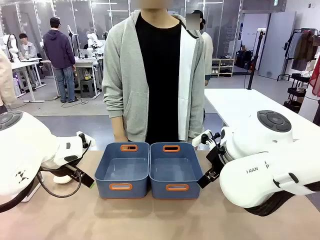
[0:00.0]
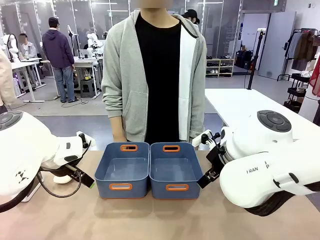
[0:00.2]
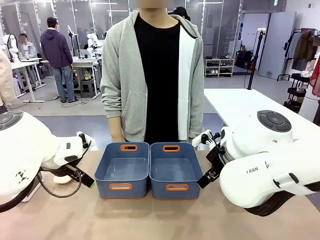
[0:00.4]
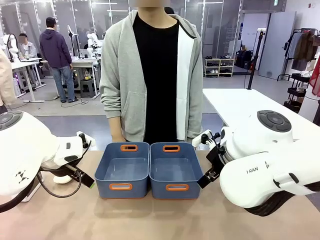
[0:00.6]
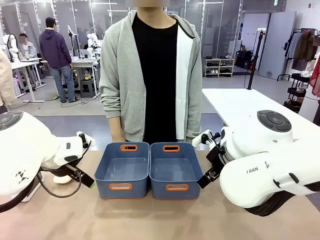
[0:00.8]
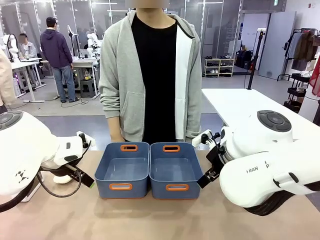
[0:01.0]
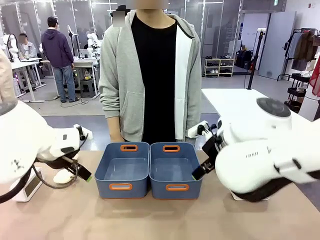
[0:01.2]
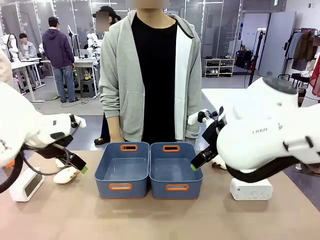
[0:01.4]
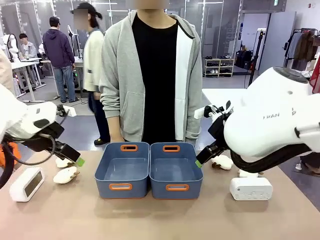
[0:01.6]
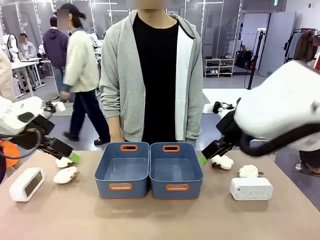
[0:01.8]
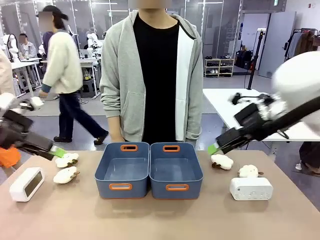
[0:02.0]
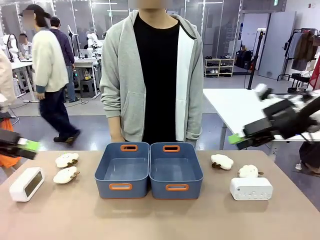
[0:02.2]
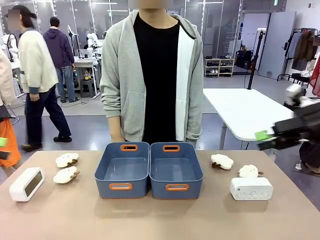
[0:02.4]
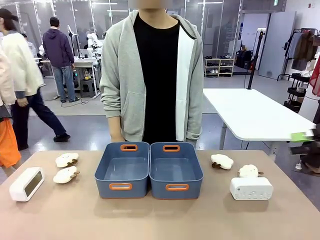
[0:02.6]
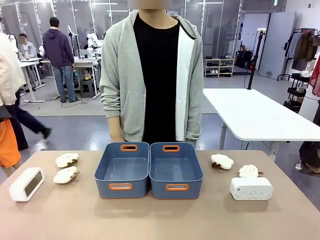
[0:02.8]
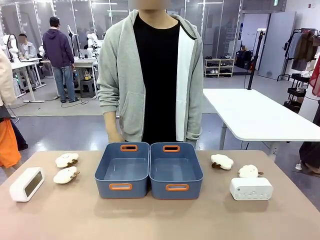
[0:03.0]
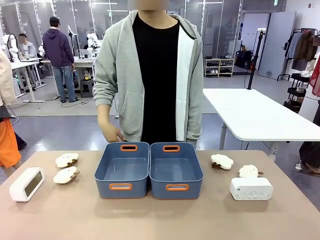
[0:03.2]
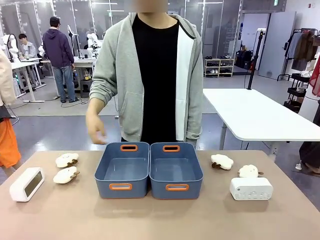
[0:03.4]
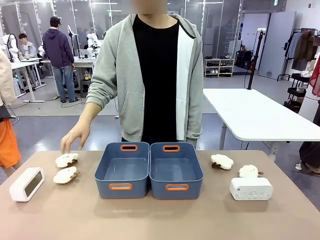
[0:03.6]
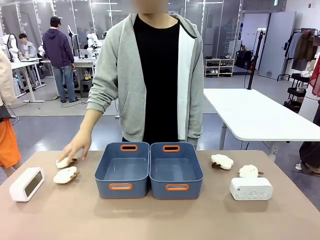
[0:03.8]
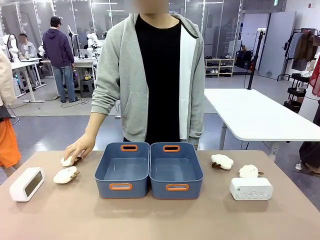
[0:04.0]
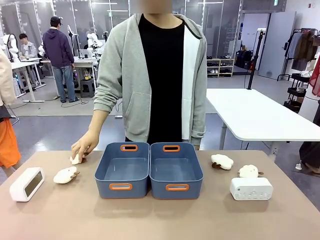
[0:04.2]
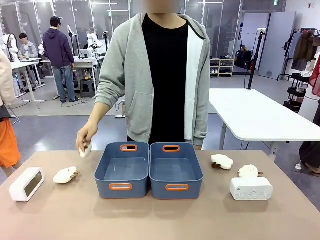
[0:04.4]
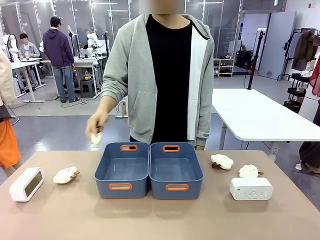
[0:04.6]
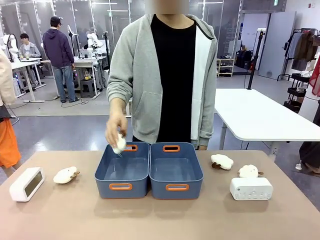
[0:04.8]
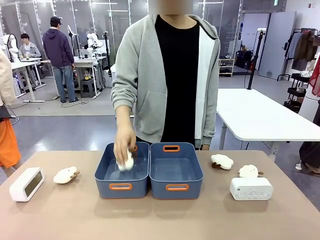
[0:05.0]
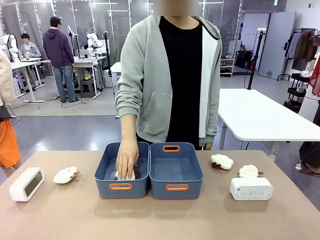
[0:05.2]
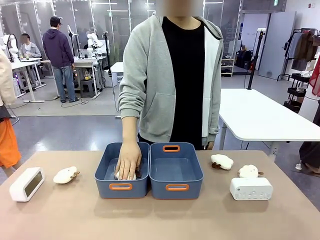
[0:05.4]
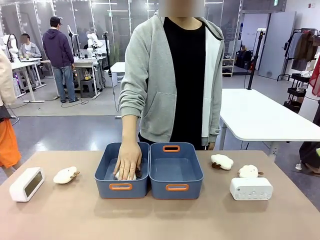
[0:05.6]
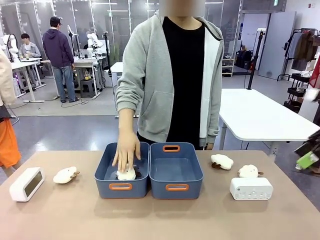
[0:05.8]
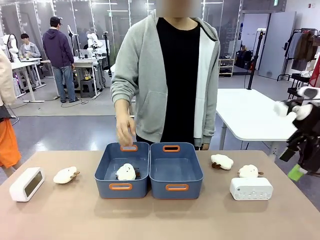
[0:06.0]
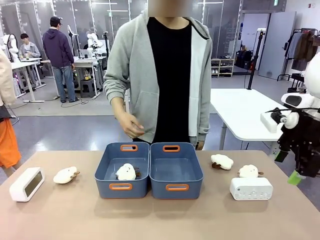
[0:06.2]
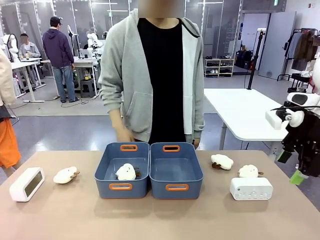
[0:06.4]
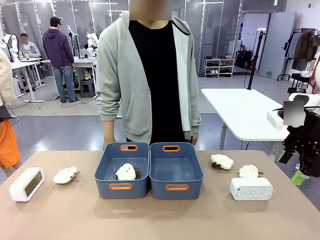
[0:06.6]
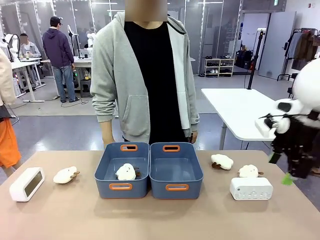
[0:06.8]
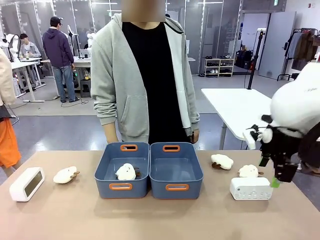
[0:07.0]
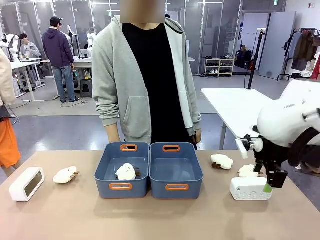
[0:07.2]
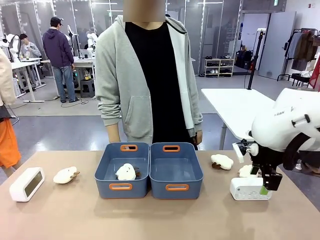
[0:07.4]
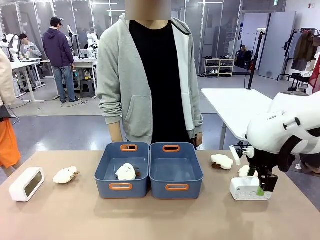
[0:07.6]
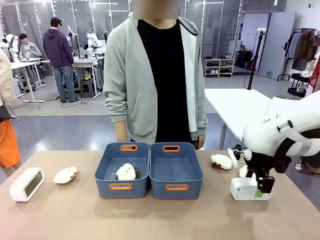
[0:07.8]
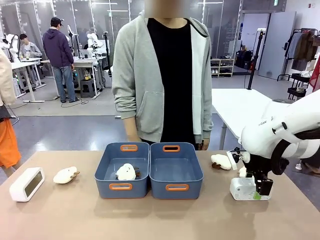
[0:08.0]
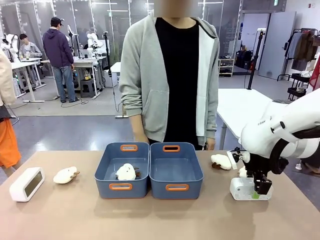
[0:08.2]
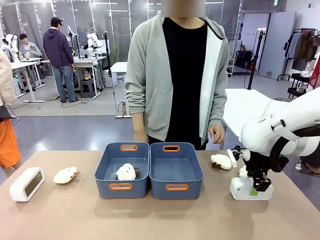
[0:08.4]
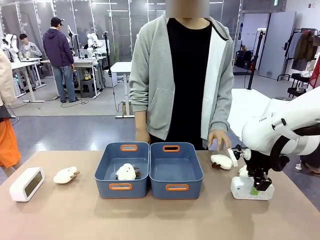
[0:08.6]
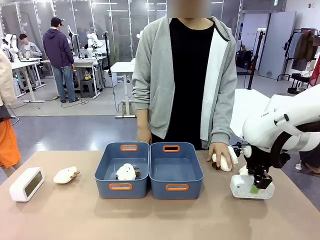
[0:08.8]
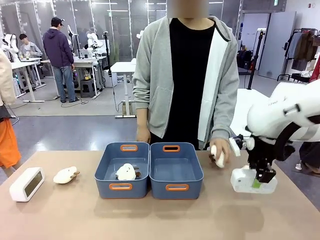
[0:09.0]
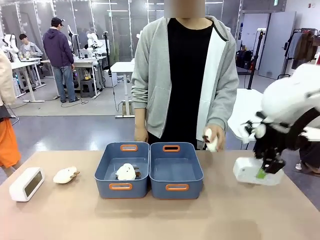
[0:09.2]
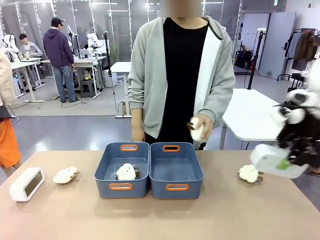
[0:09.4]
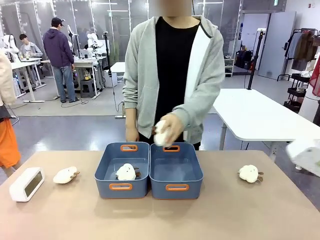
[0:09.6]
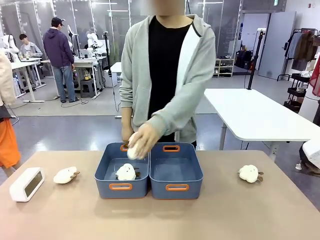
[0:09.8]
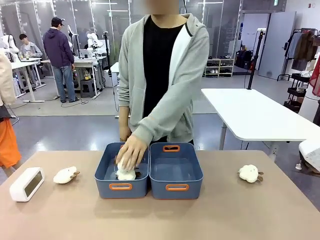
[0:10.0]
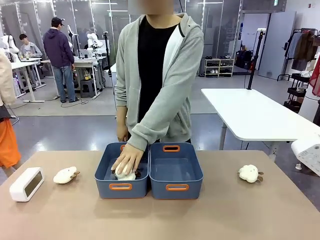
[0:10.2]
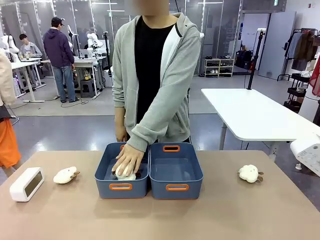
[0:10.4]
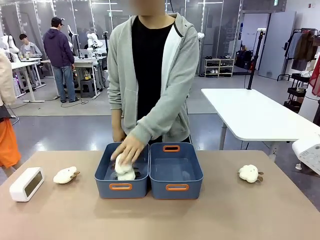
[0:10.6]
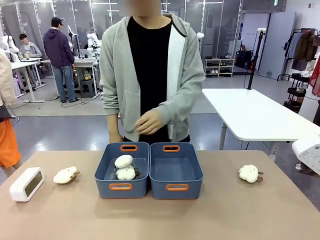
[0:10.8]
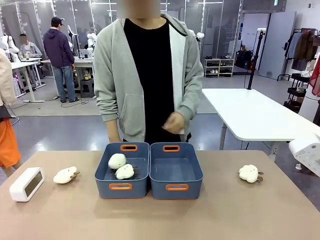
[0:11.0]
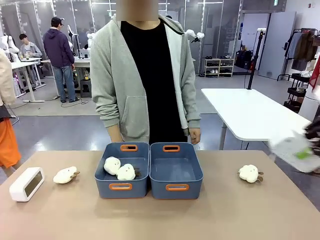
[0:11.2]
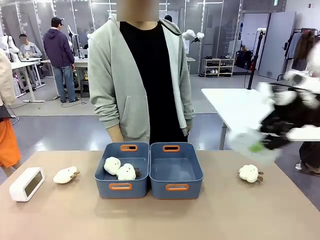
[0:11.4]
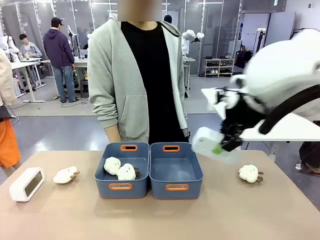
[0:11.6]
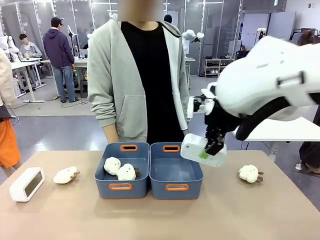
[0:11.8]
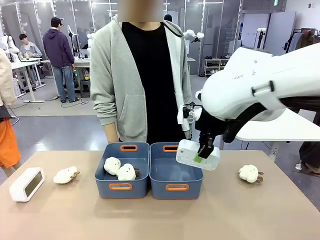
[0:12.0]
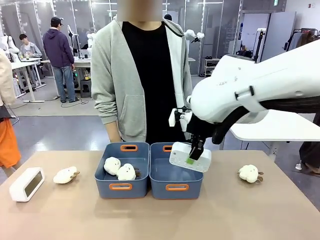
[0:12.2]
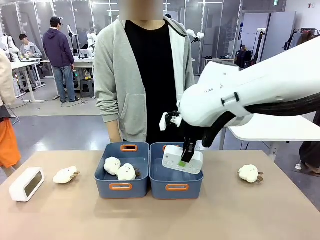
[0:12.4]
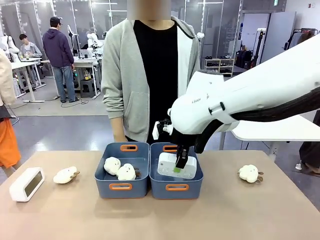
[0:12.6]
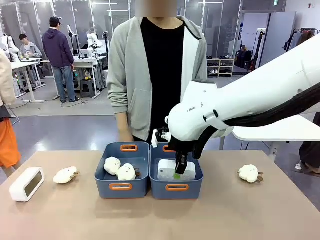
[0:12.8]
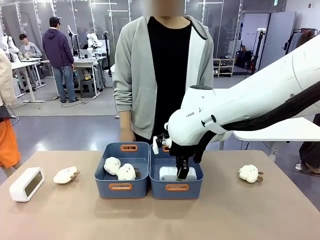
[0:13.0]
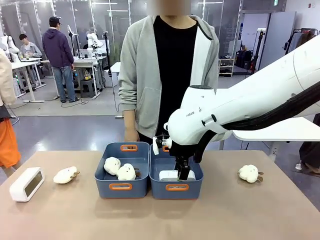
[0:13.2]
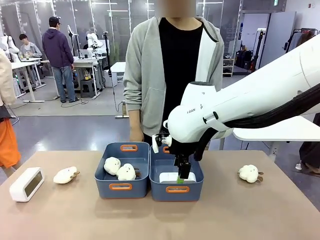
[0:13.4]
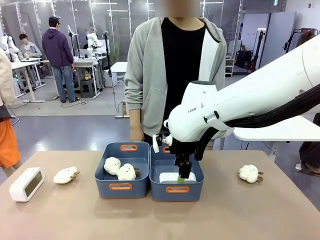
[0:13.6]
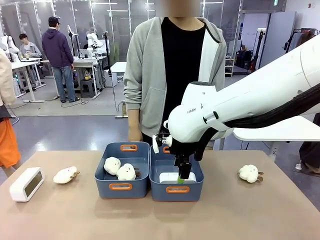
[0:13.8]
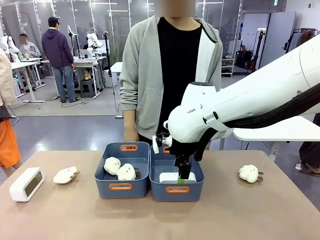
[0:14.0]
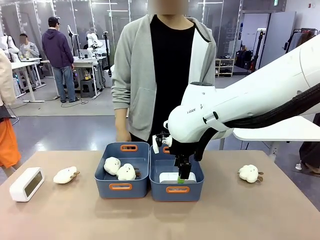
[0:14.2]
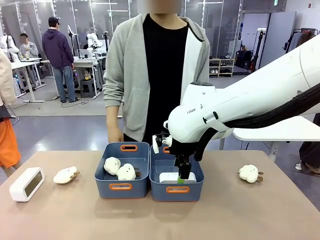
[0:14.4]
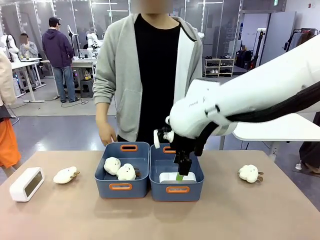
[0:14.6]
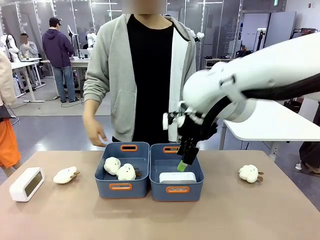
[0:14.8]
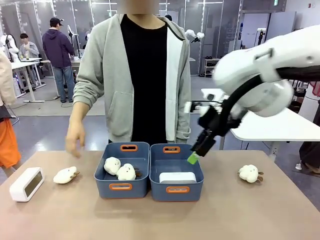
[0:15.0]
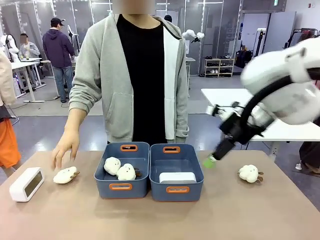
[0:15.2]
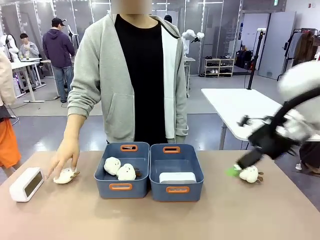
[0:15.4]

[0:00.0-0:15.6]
Task: Sort the digital clocks into the basket.
Robot: Pick up the Digital clock from the table and place it into the empty Plastic storage basket.
Person: Pick up a plush toy from the table and place it in a plastic storage basket.
